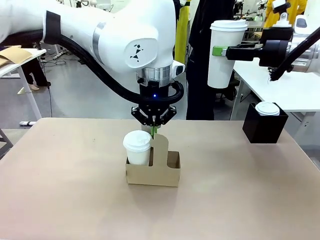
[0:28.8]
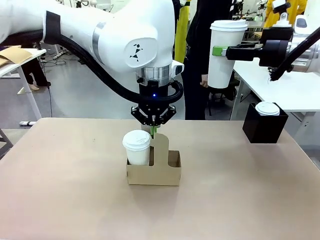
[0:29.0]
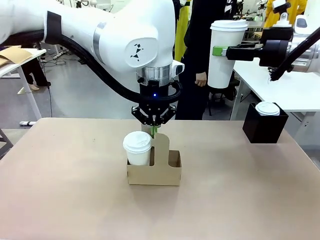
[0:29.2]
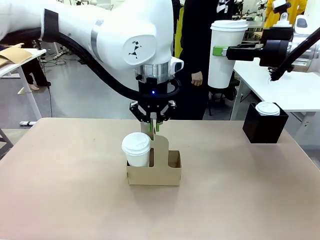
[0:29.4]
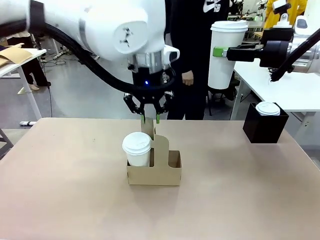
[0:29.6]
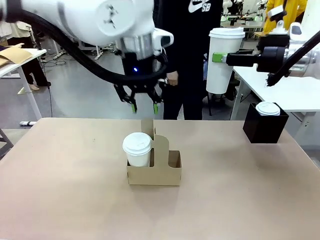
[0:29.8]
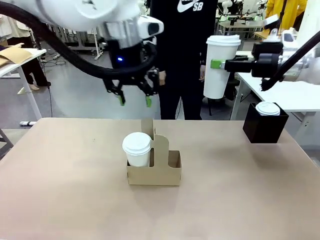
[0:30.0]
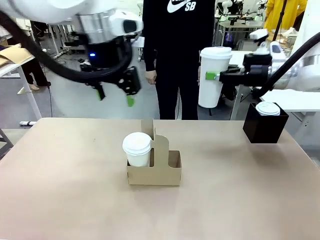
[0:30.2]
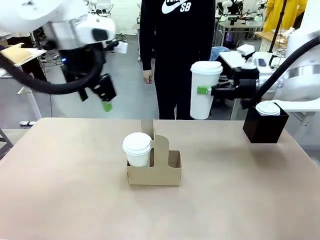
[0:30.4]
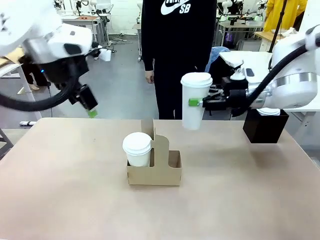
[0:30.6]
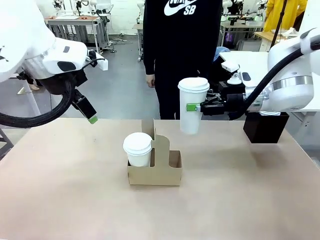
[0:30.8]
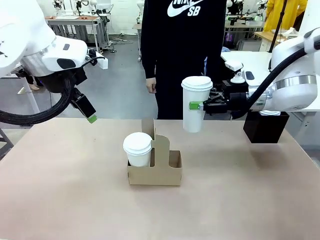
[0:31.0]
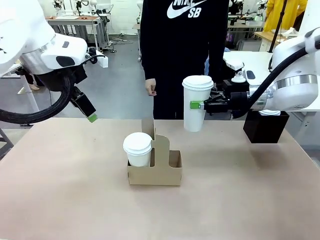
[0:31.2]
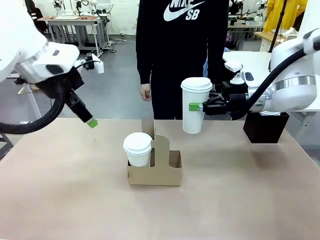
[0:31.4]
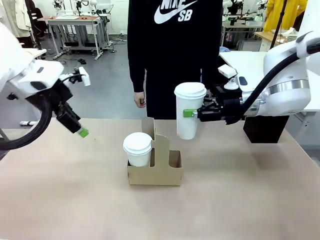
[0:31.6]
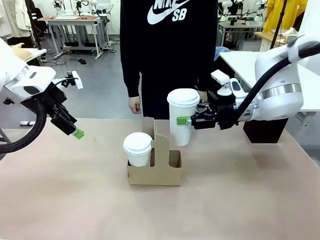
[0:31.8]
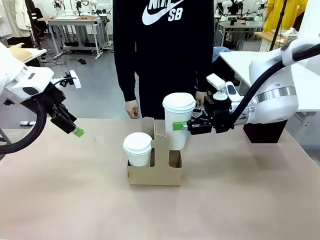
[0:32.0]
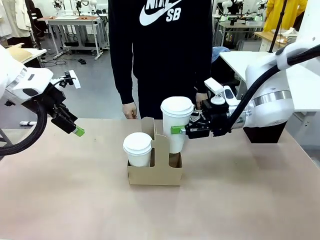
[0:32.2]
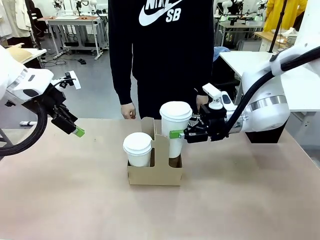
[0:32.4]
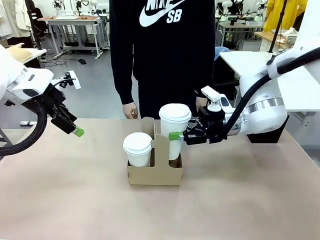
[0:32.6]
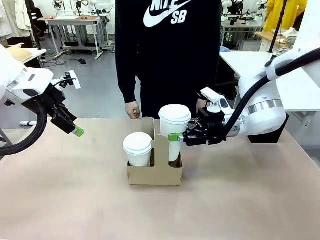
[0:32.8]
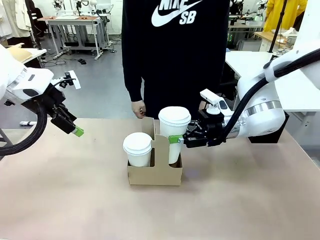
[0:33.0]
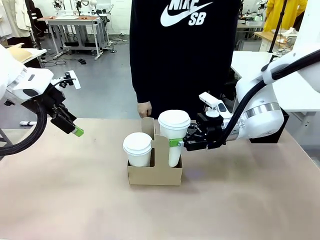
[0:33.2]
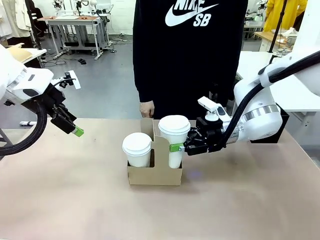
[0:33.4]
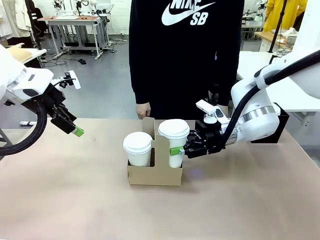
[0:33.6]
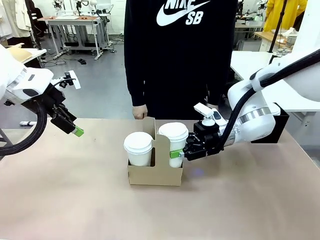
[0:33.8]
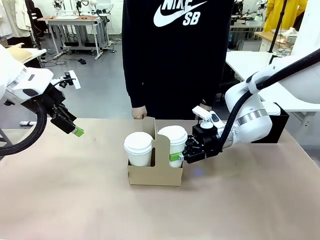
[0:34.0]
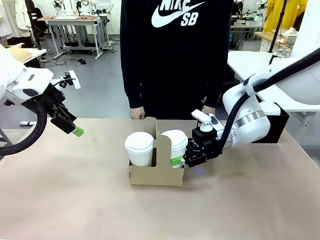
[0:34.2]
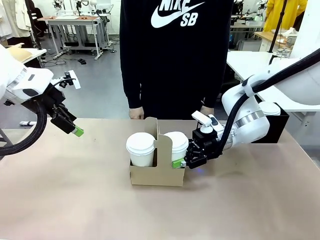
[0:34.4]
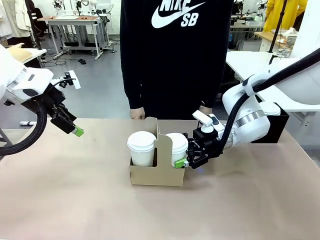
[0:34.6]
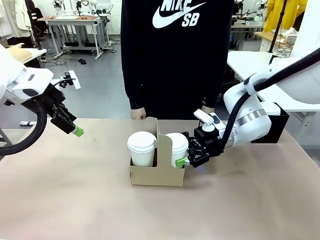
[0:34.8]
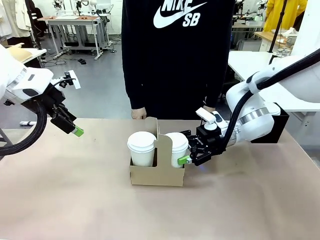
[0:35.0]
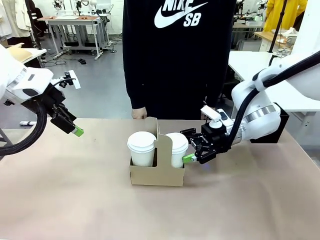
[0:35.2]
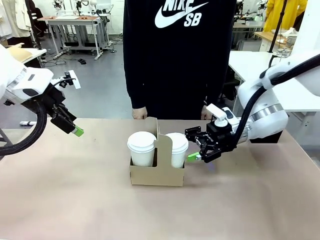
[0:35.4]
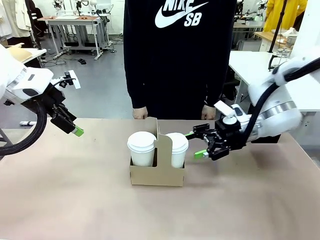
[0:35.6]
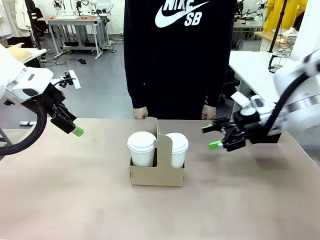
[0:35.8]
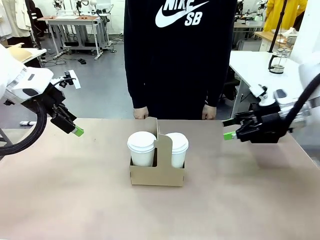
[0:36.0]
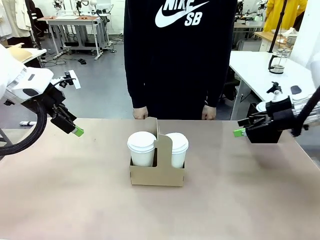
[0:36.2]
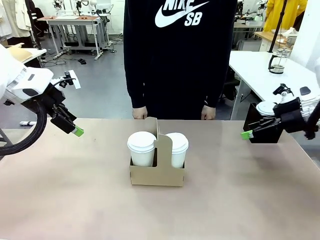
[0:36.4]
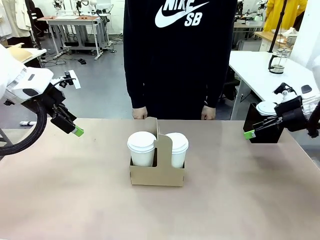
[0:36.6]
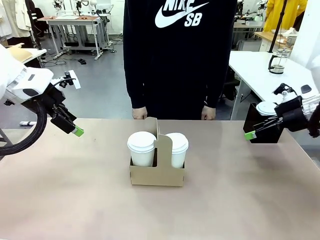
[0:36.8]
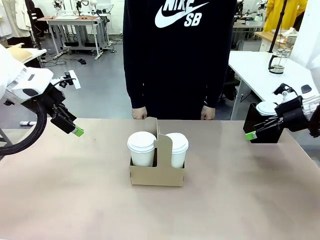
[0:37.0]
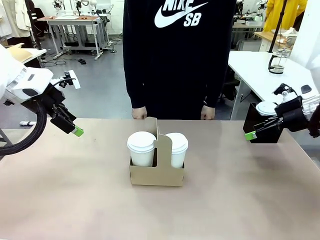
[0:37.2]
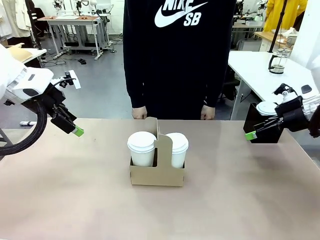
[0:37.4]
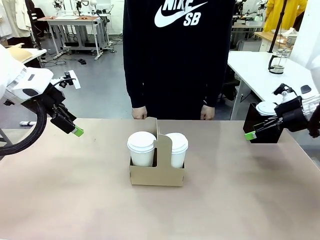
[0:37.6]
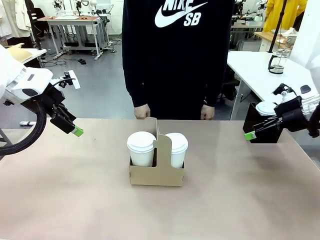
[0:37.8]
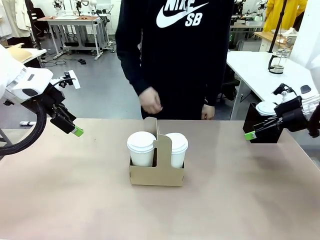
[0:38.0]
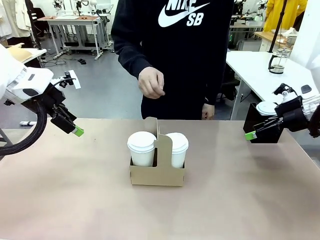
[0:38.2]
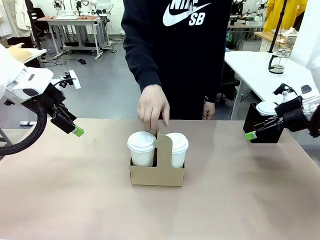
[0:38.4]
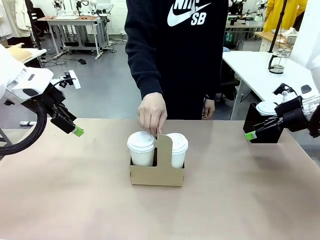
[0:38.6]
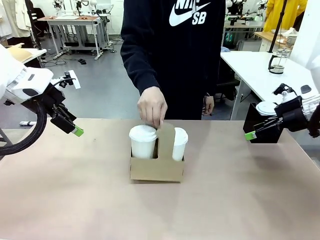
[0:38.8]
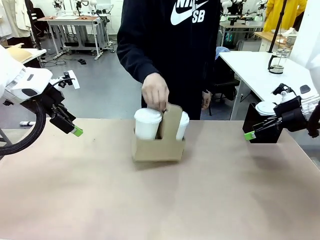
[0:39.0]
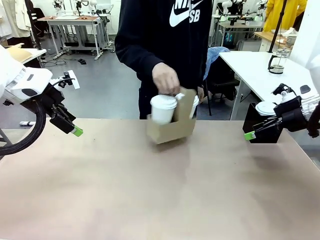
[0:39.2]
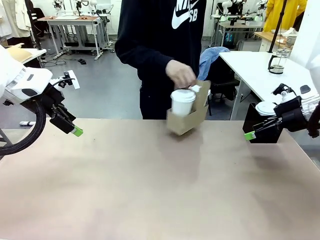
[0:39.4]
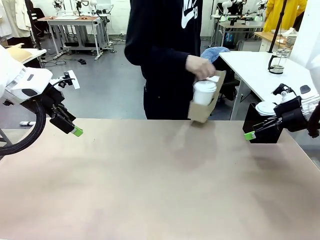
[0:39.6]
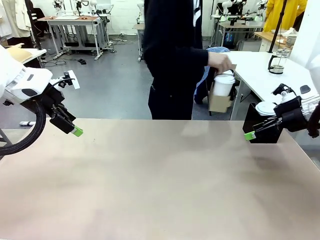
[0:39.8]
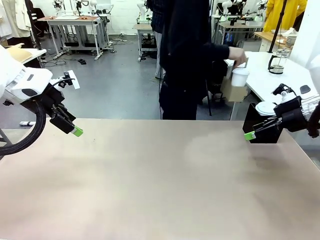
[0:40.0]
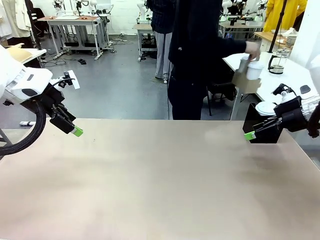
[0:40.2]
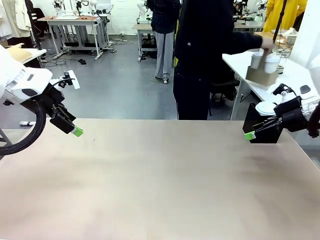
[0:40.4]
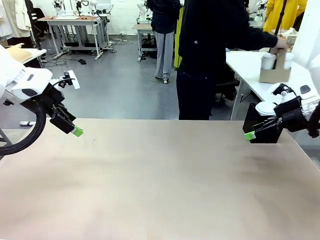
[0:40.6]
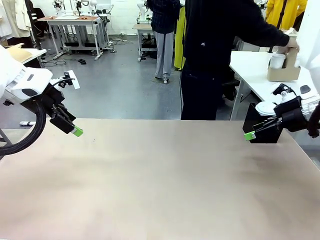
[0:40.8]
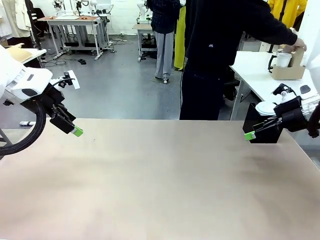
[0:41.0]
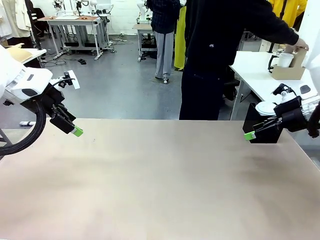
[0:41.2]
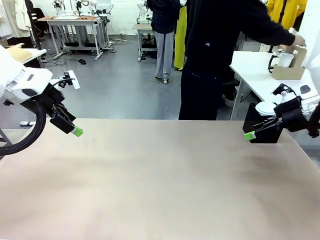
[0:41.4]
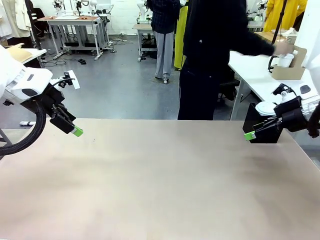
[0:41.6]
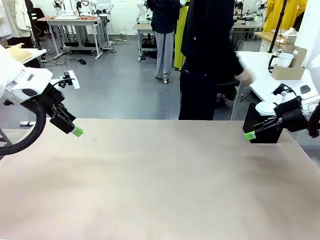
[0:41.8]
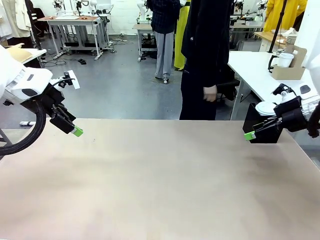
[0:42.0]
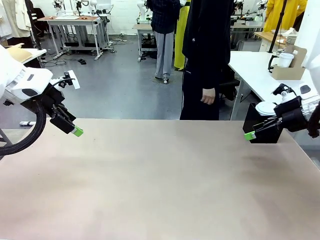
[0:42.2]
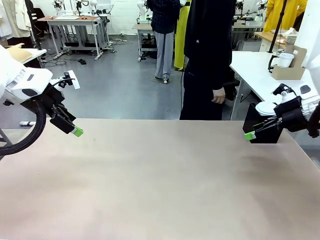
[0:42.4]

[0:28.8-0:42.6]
Task: Pour a drink into a cup and package it in a carrier.
Robot: Insert the held 600 ml Paper Cup into the Cup Carrier.
Person: Place the Cup Carrier to the middle of Human table.
